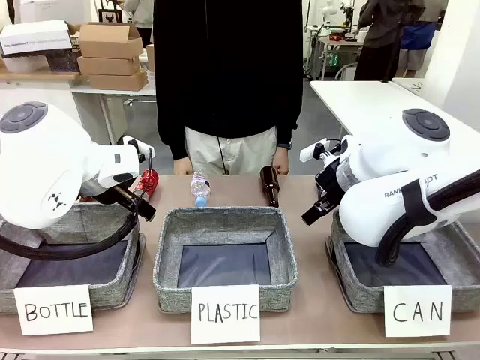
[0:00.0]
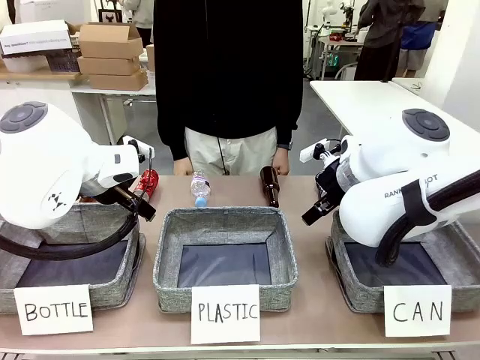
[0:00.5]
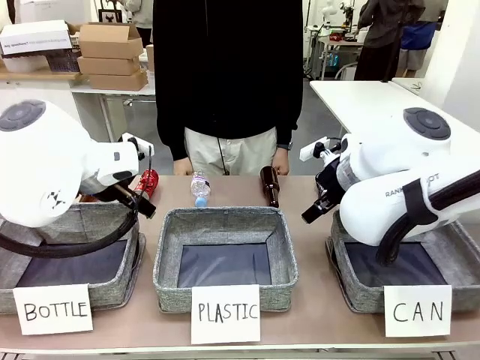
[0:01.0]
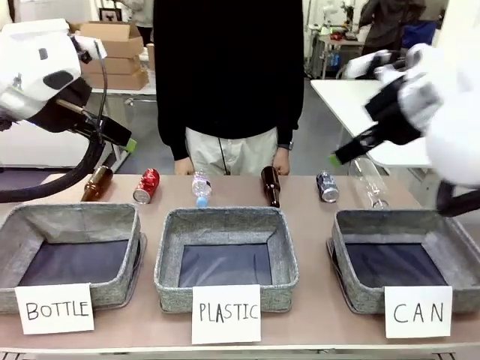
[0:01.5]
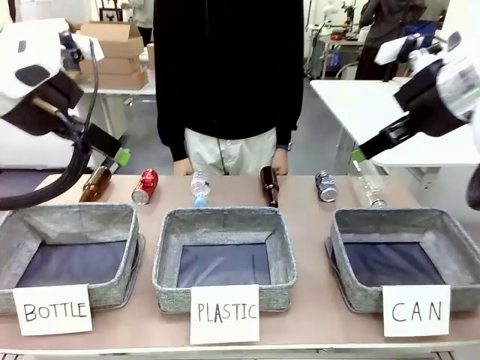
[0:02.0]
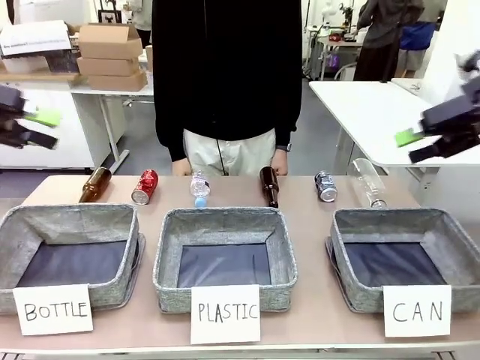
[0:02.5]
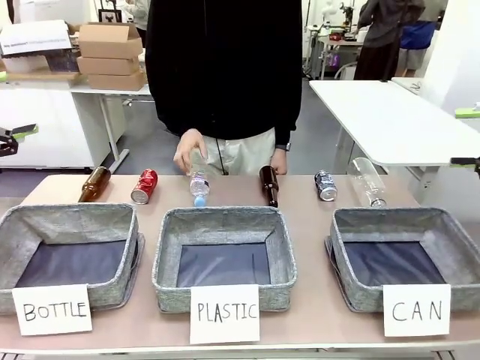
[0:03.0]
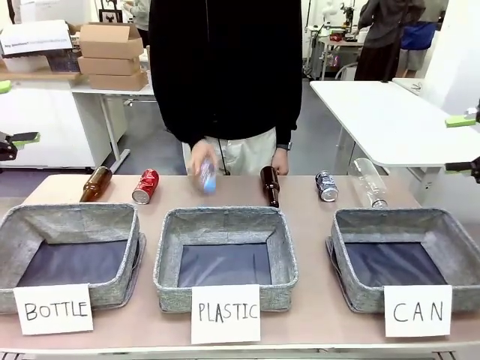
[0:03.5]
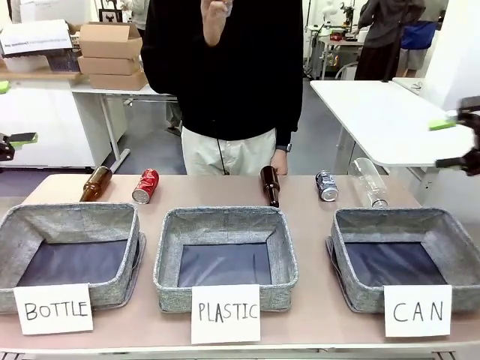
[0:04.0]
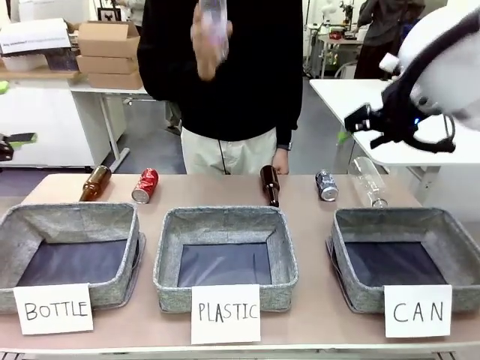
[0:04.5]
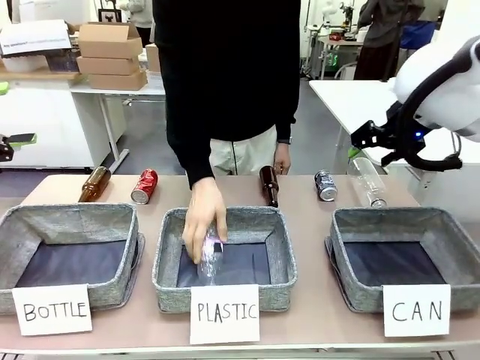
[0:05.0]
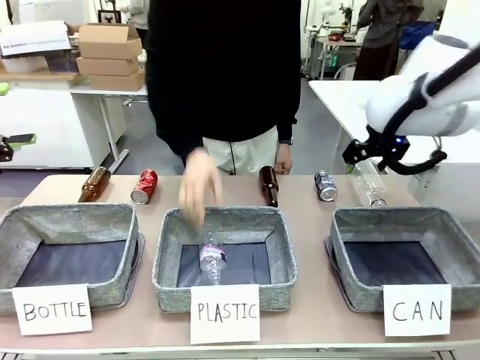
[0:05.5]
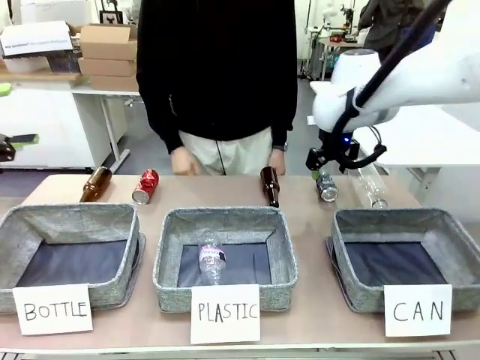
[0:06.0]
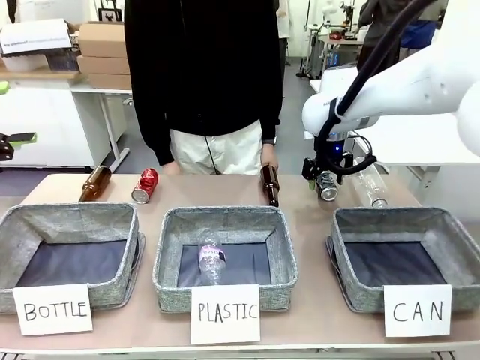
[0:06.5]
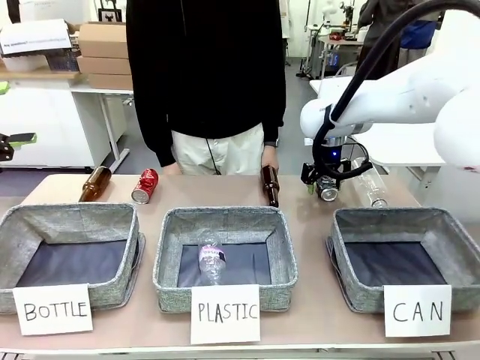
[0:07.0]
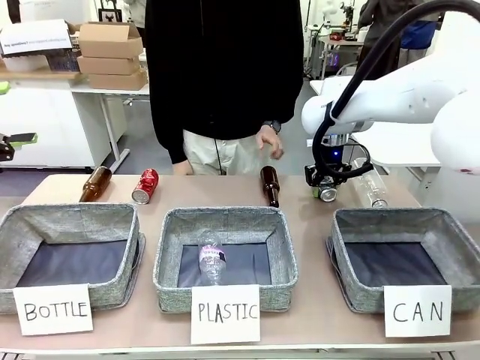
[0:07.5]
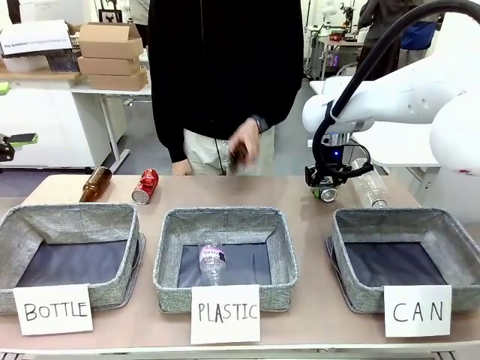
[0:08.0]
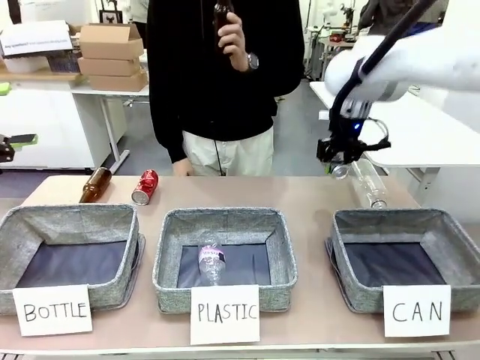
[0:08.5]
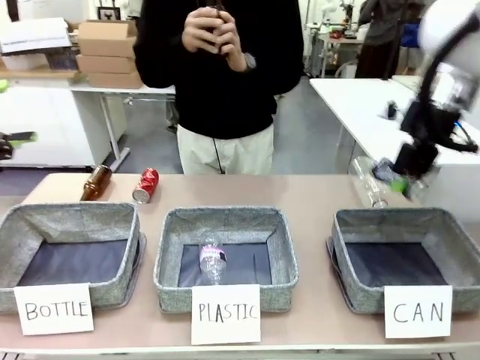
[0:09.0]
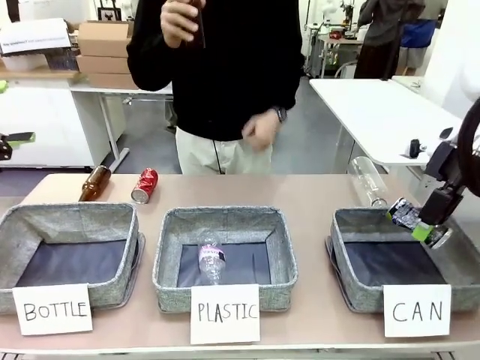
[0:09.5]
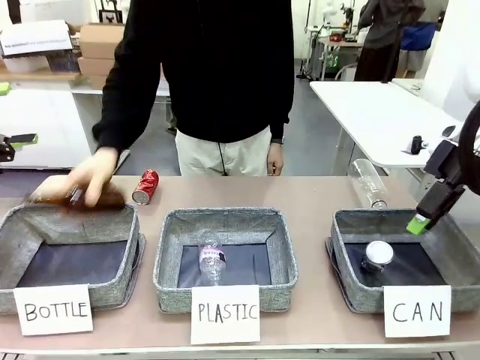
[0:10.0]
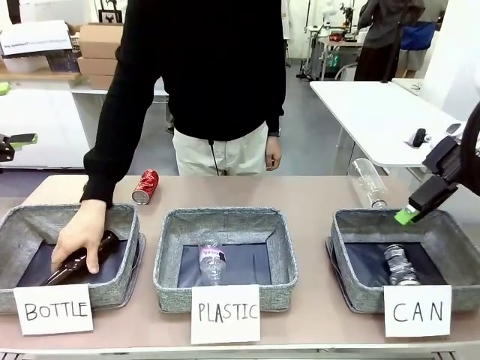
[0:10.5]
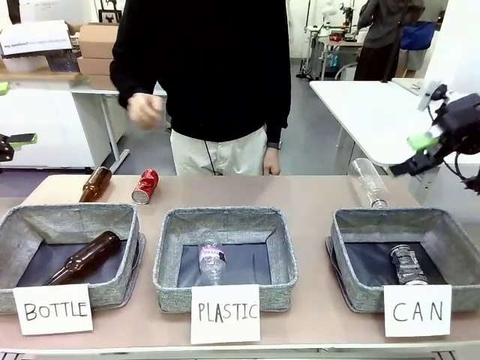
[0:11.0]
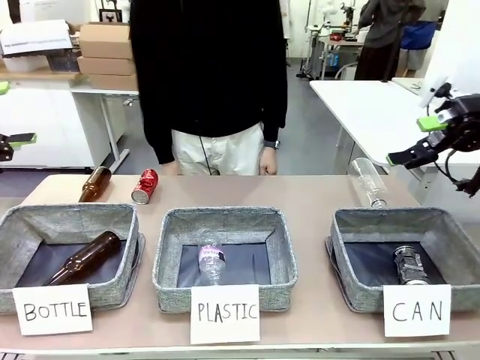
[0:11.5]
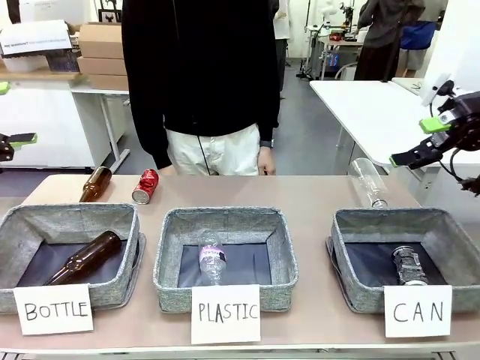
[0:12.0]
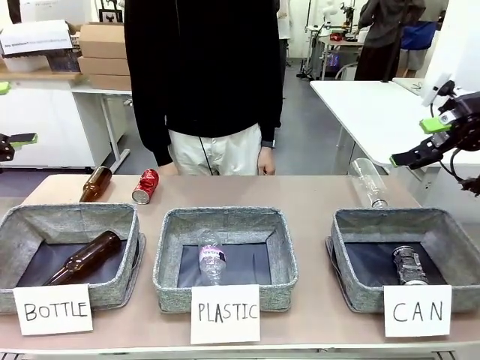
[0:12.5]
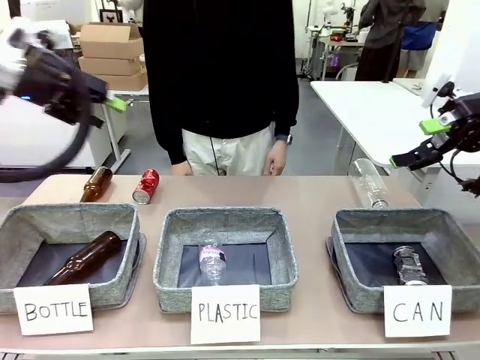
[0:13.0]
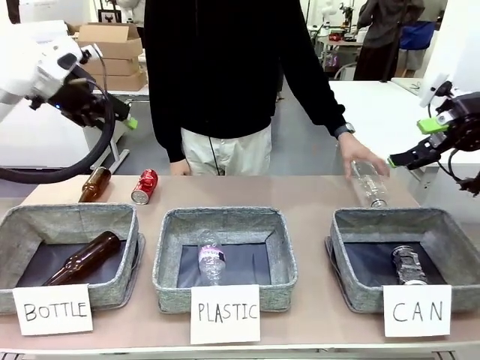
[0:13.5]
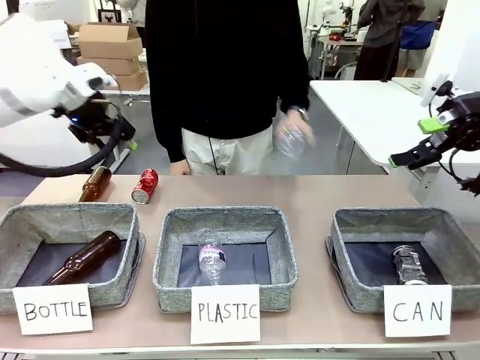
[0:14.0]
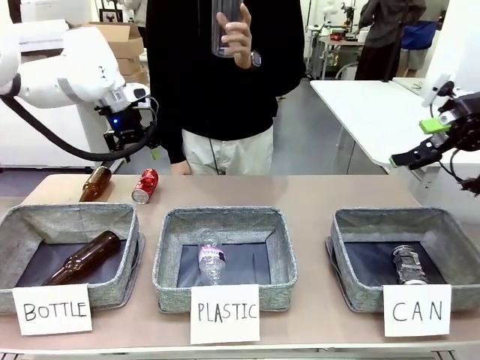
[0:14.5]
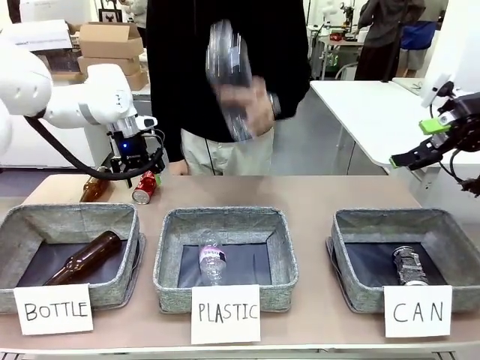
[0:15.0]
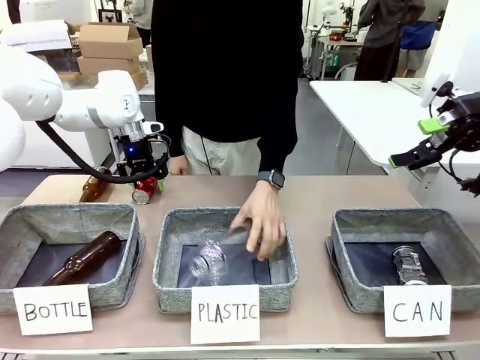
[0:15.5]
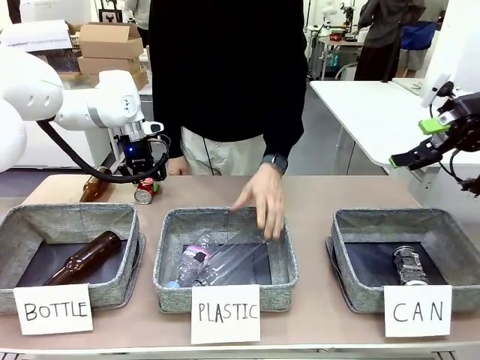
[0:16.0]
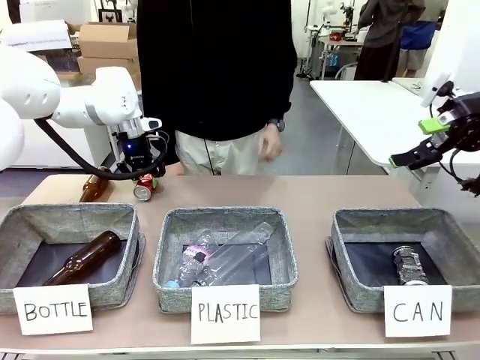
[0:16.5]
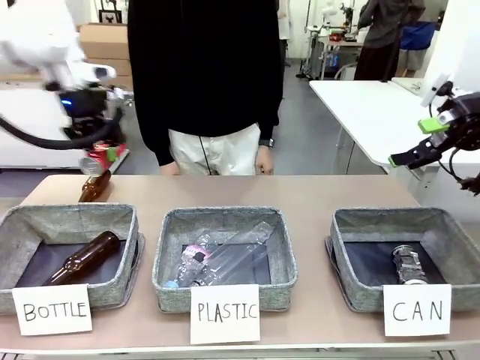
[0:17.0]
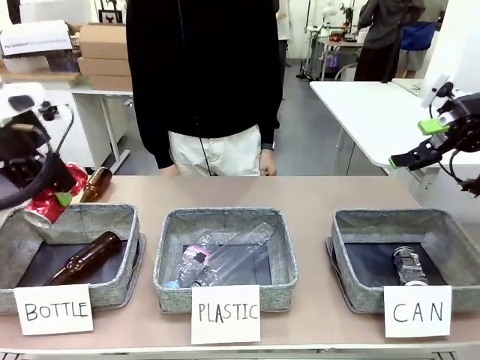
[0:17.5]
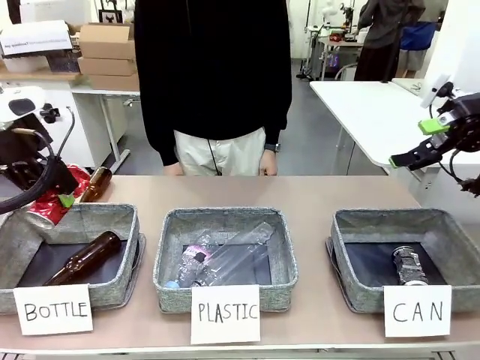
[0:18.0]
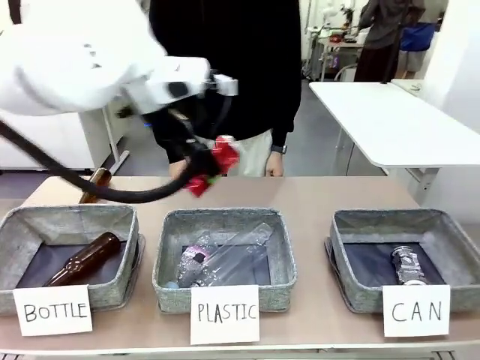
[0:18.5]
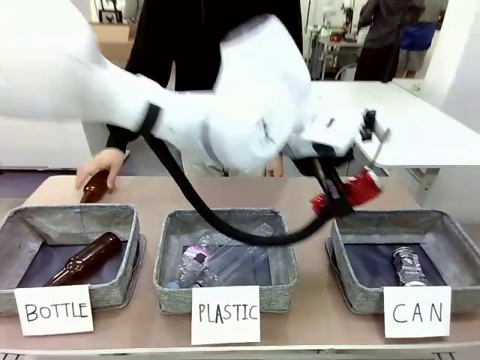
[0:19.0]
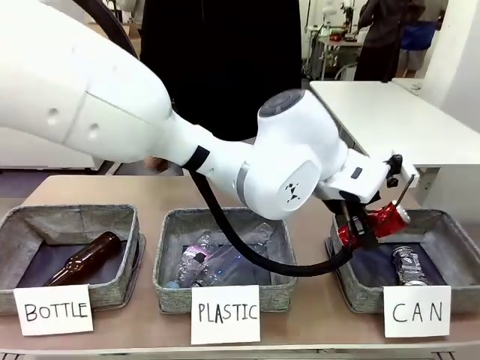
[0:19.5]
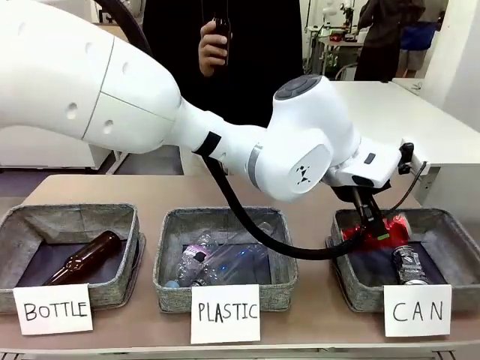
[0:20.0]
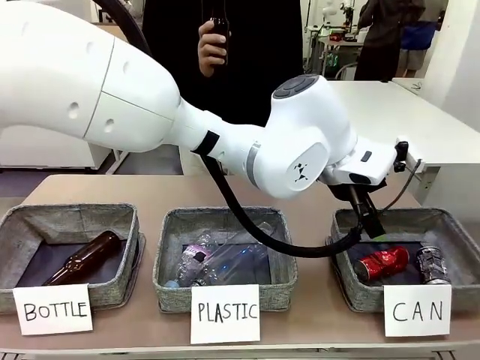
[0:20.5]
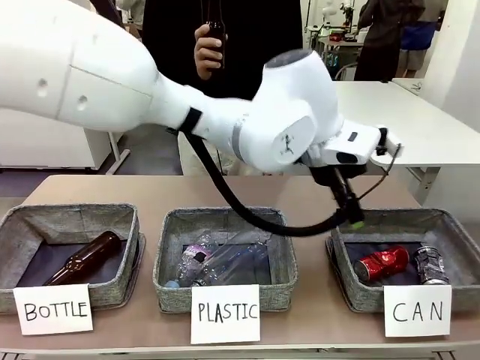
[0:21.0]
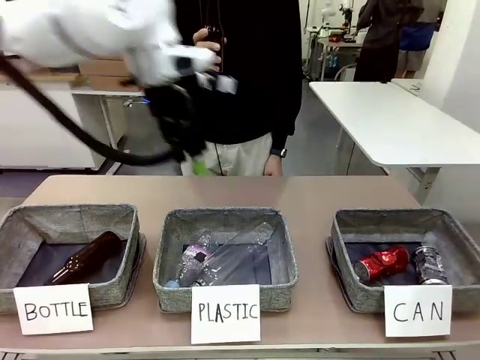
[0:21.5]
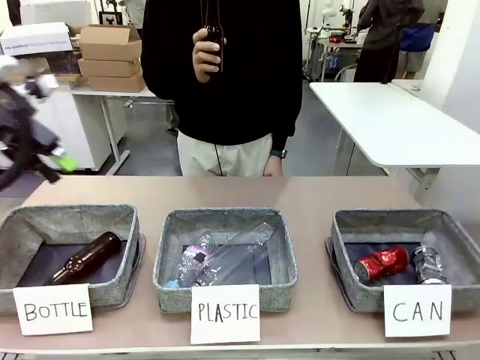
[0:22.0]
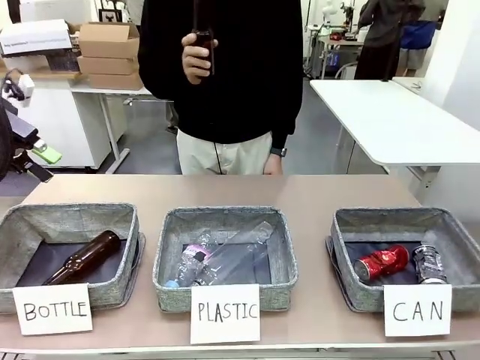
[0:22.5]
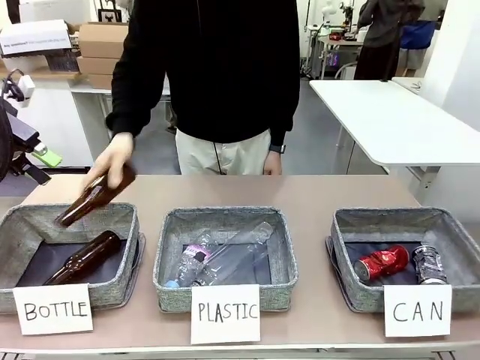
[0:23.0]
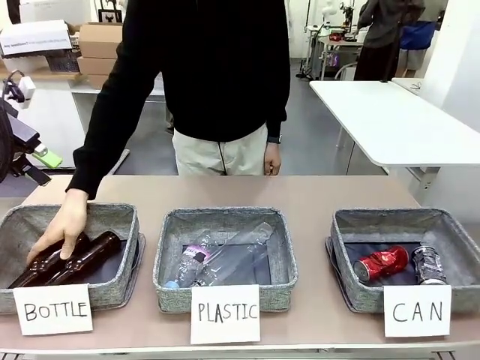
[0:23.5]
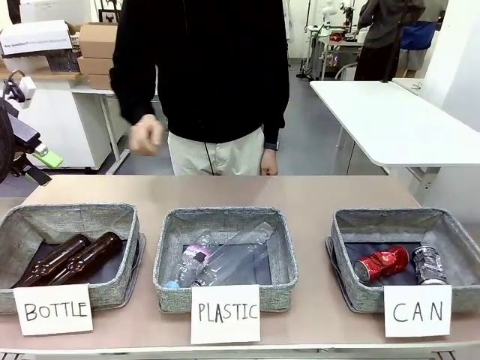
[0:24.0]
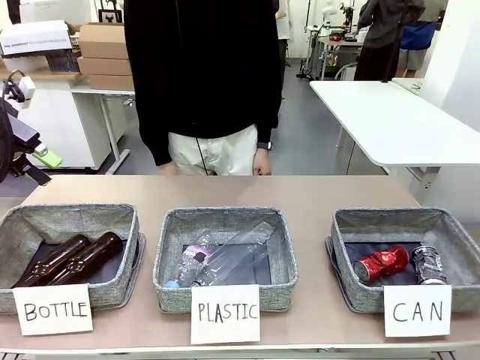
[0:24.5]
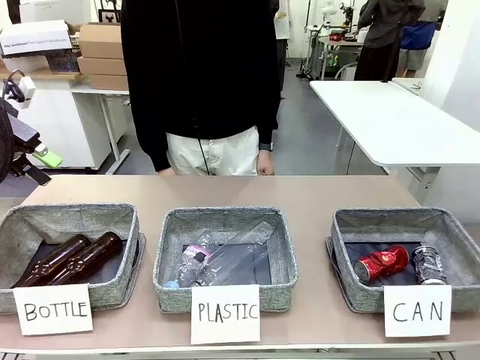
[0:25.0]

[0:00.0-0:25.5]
Task: Sort the can waste into the basket.
Robot: Pick up the can waste from the table and place it in the right Fabric basket.
Person: The human picks up one piece of trash that is not a can and places the trash into the appropriate organizing basket.
